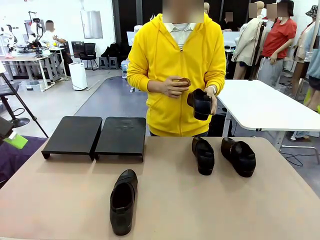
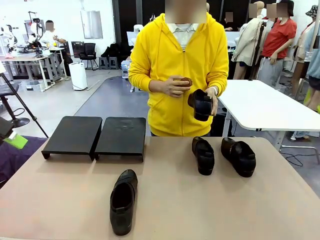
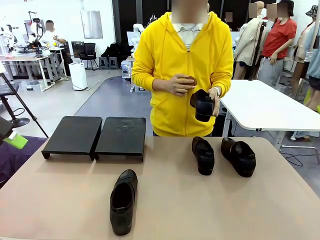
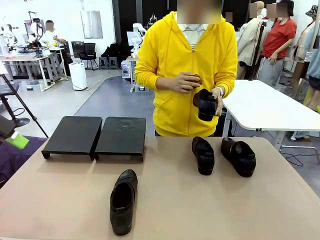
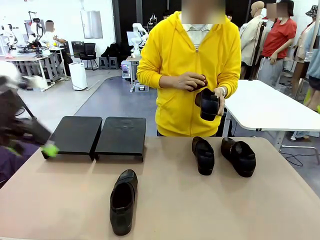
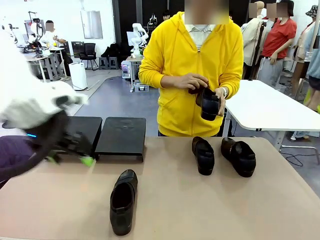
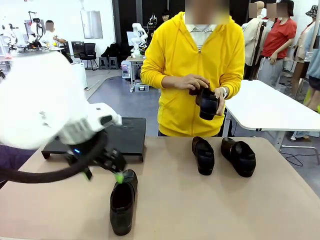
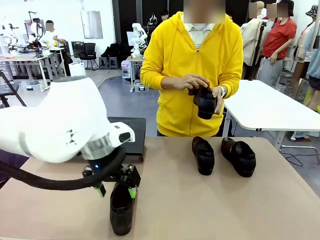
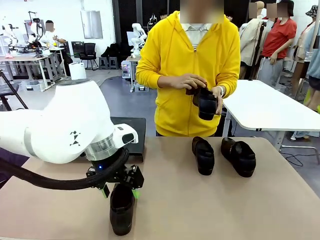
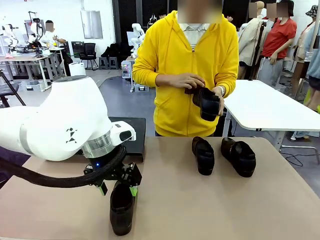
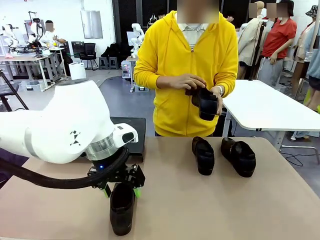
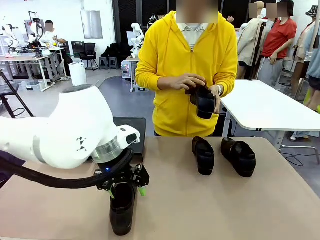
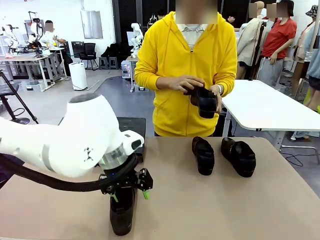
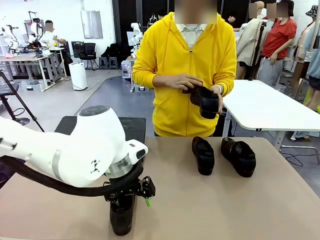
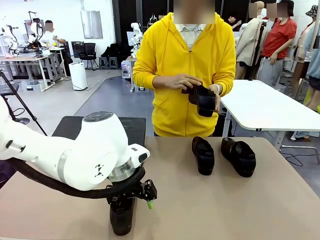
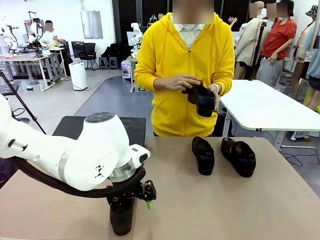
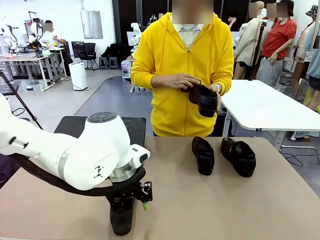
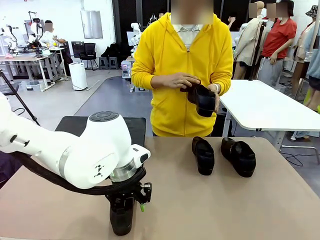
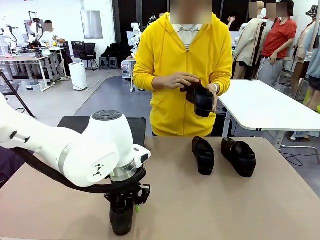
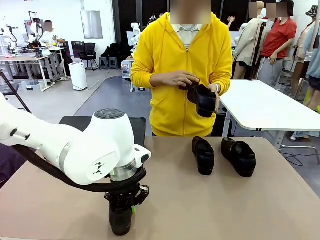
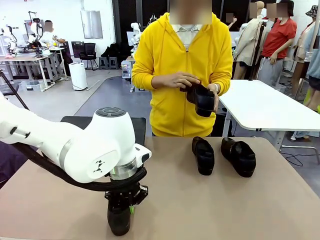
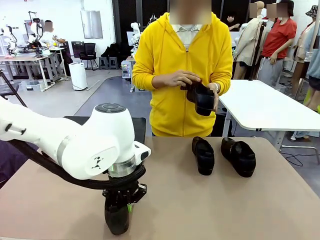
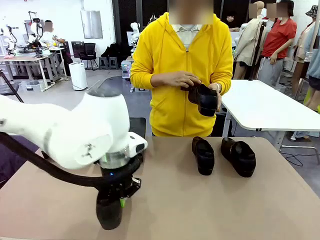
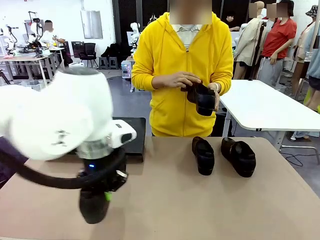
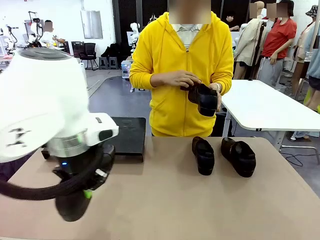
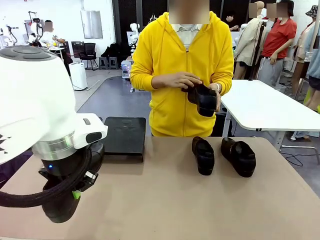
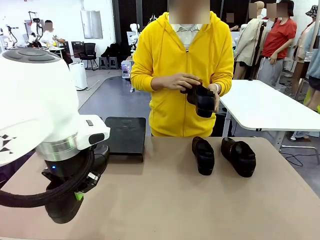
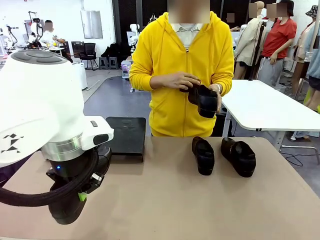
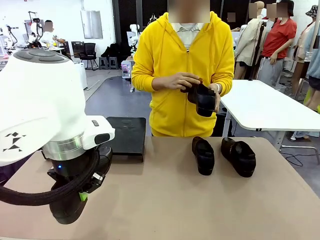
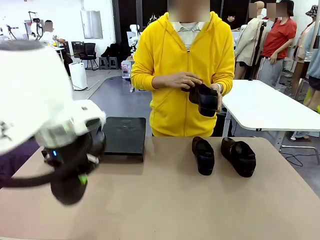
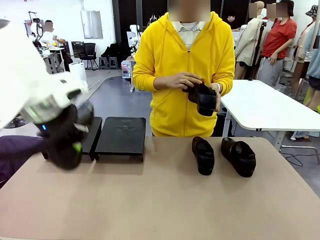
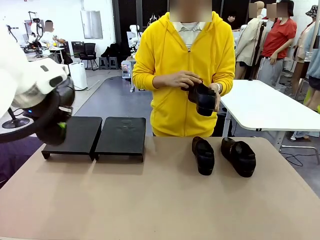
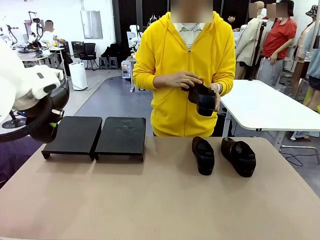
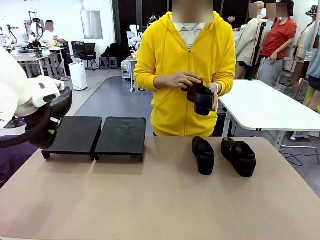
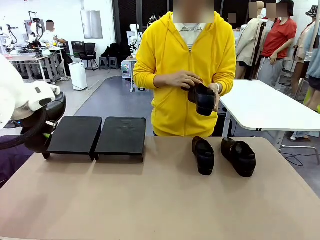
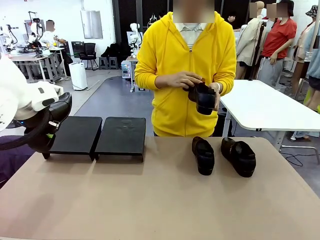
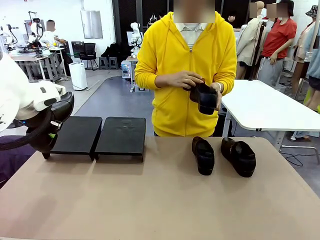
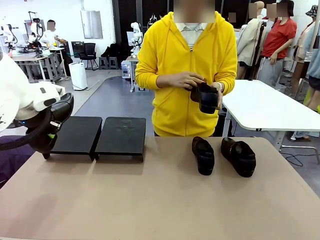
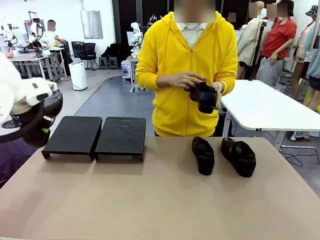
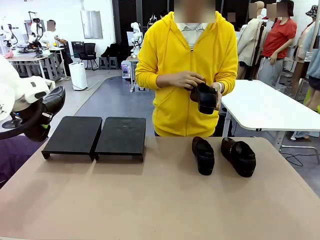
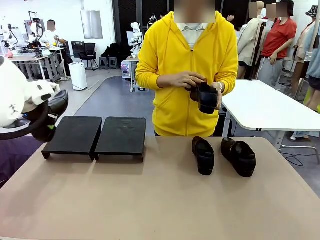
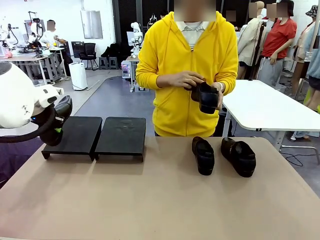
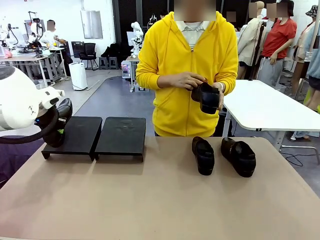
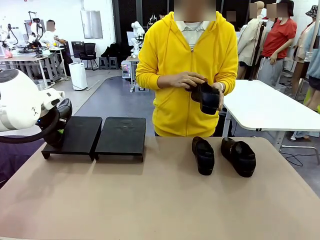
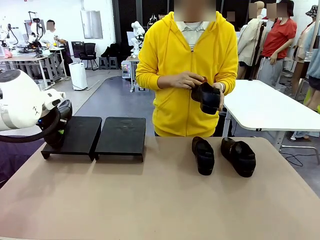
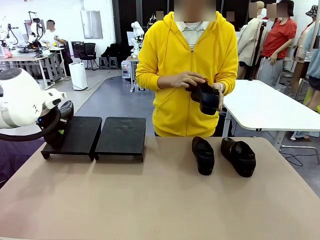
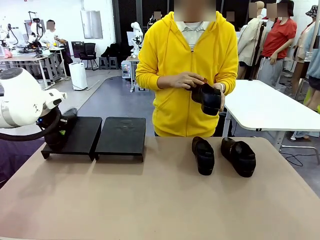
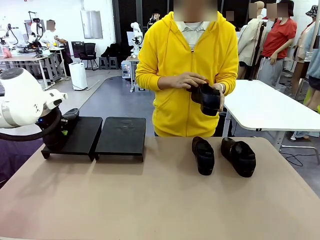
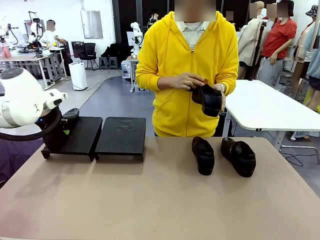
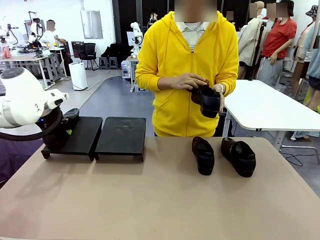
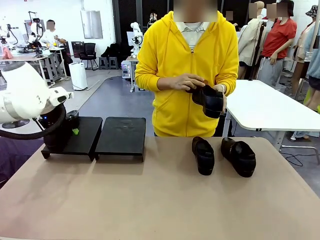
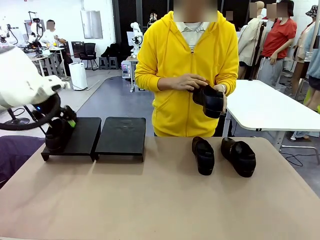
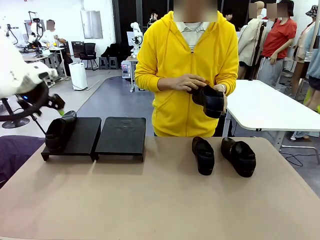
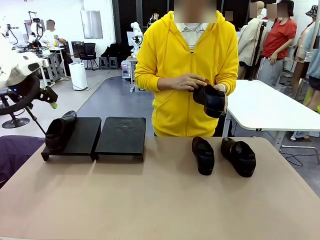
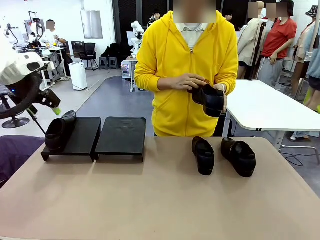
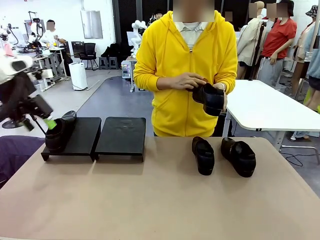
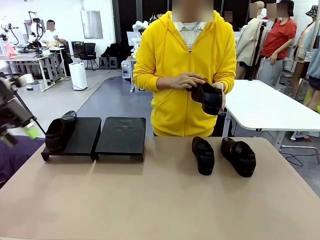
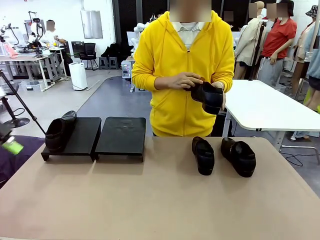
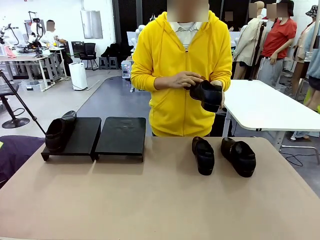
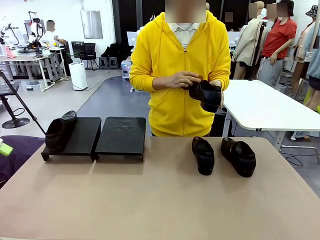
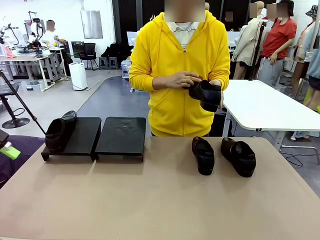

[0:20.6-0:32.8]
Task: Organize the shoes by placing them on the stand.
Robot: Place the Shoe from the middle of the table onto the Shoes Stand.
Person: Clean the Shoe with the Shoe Brush.
